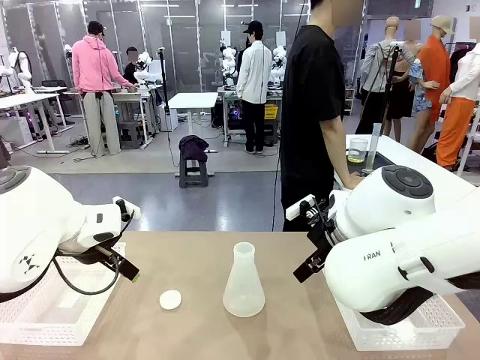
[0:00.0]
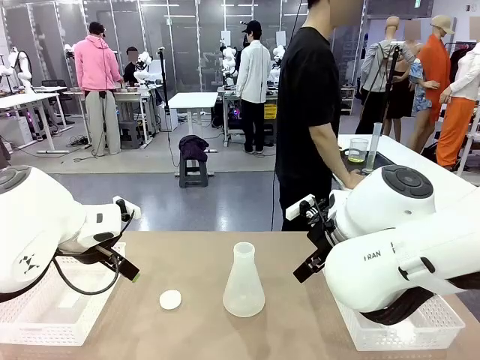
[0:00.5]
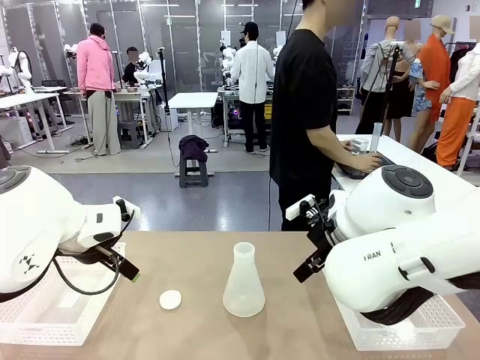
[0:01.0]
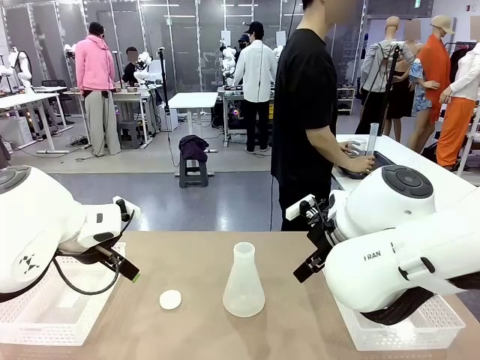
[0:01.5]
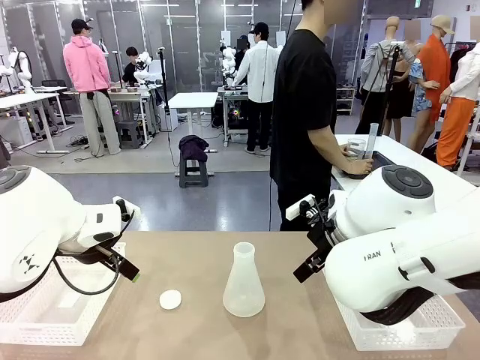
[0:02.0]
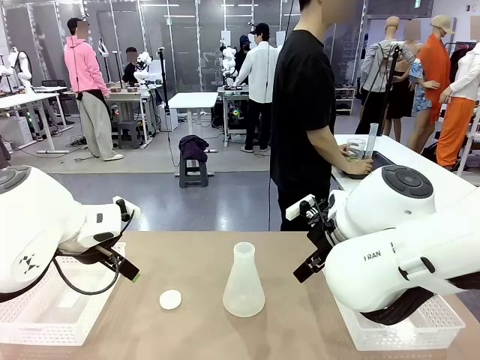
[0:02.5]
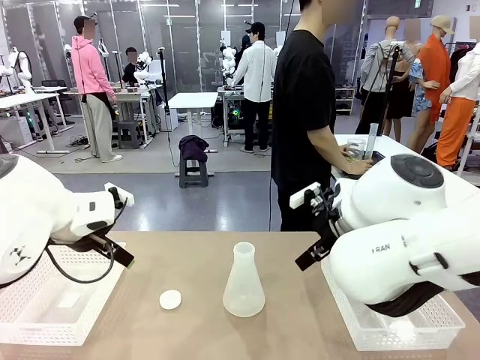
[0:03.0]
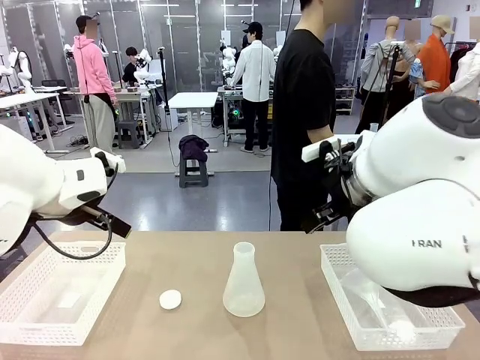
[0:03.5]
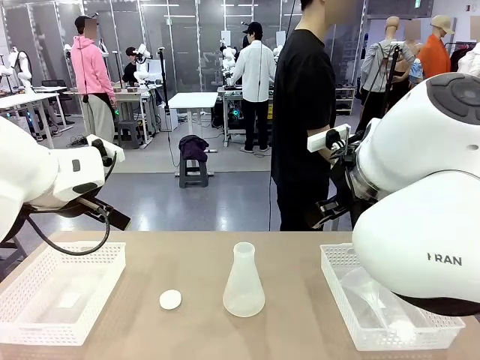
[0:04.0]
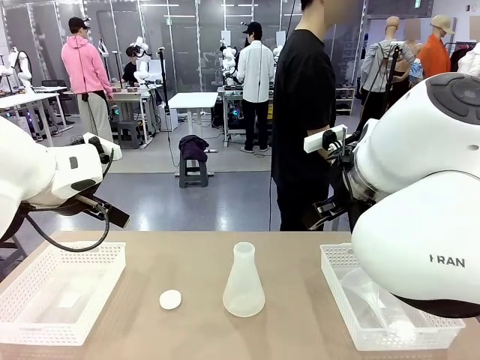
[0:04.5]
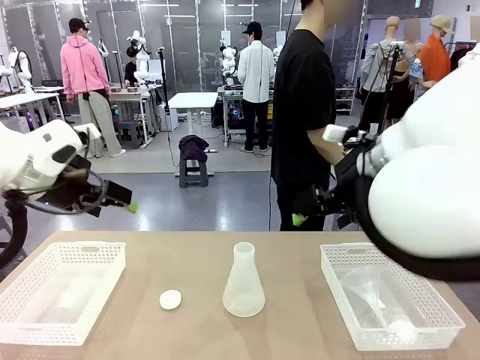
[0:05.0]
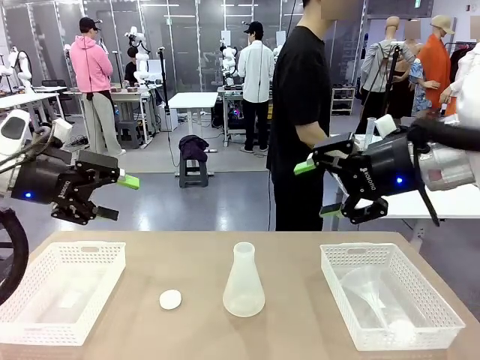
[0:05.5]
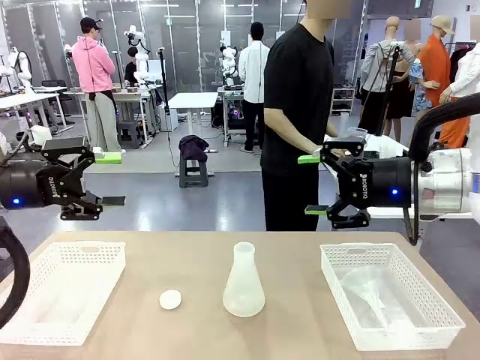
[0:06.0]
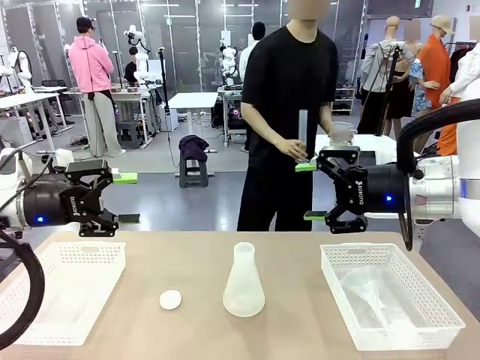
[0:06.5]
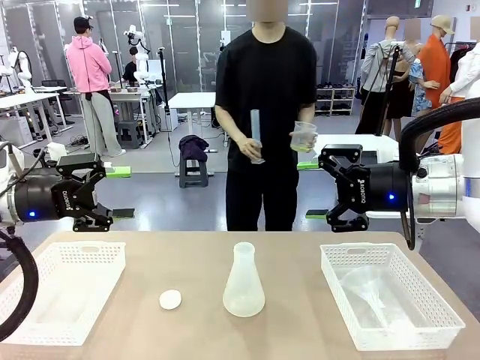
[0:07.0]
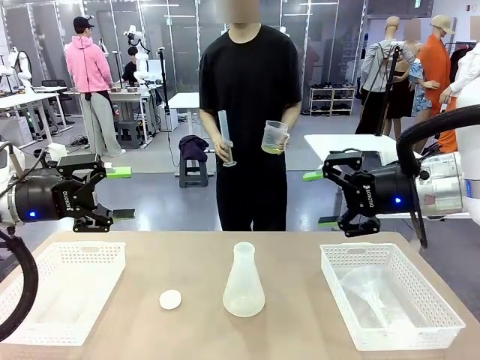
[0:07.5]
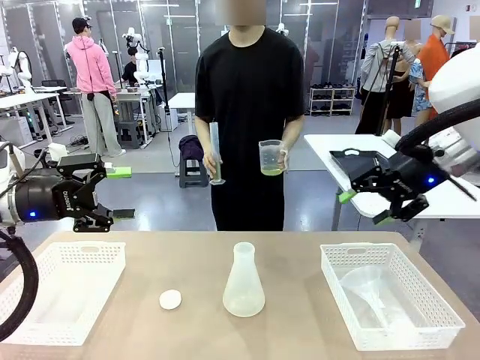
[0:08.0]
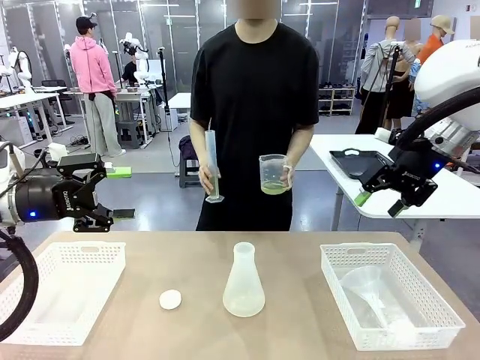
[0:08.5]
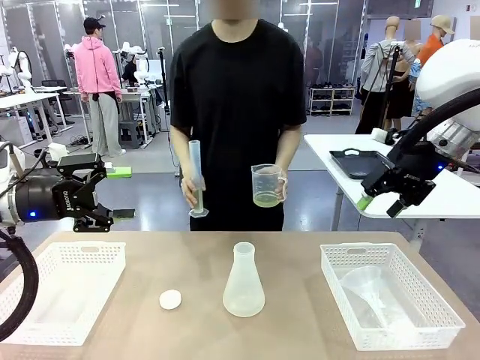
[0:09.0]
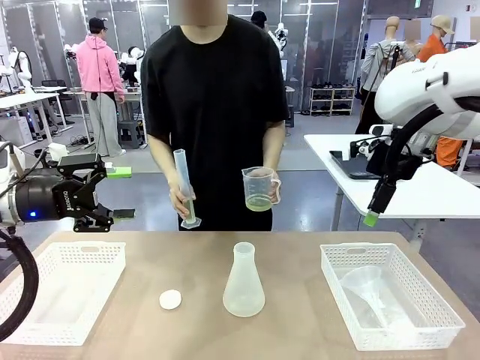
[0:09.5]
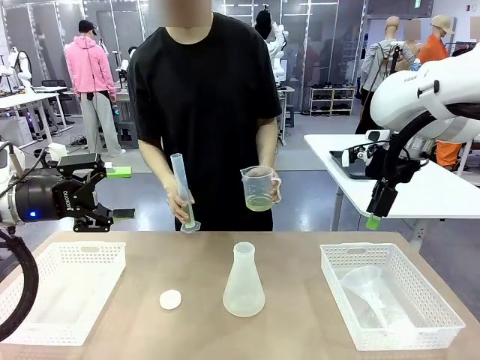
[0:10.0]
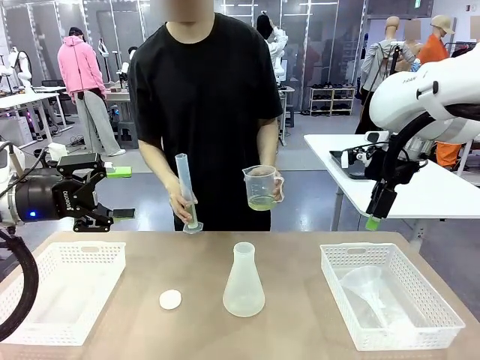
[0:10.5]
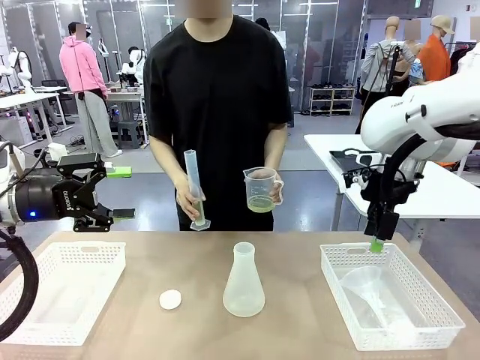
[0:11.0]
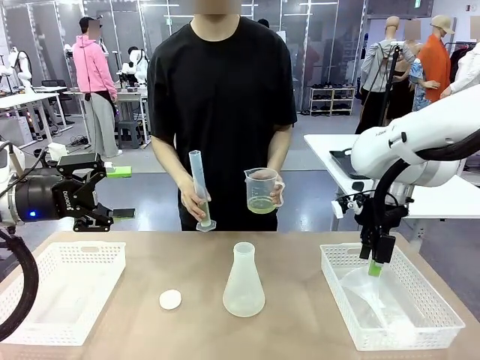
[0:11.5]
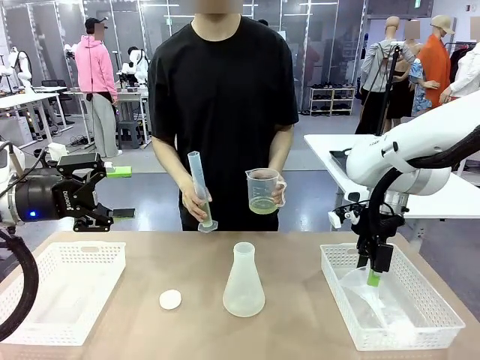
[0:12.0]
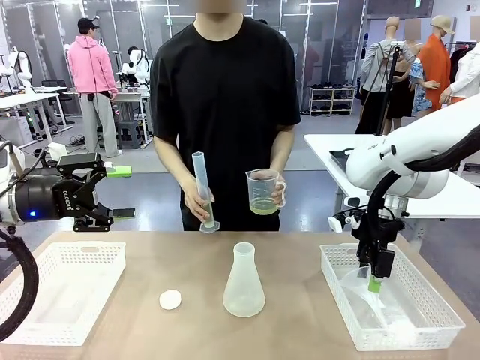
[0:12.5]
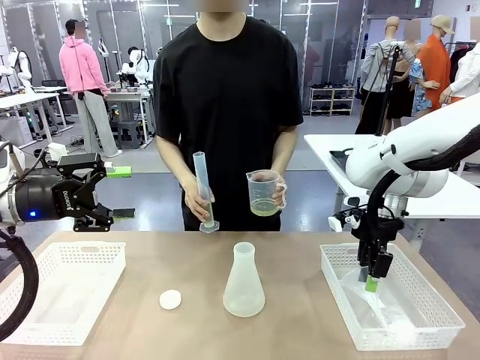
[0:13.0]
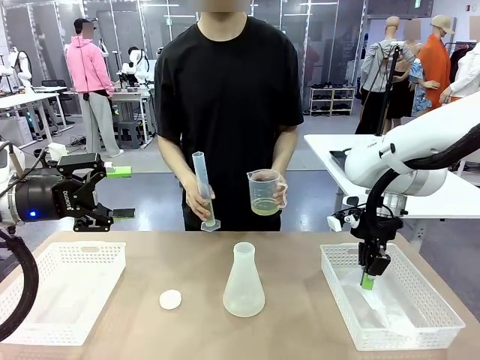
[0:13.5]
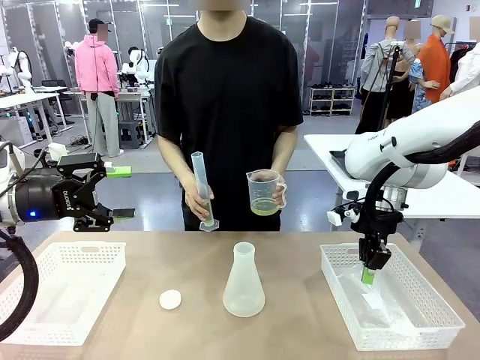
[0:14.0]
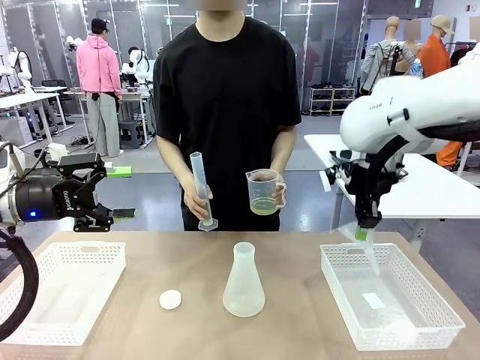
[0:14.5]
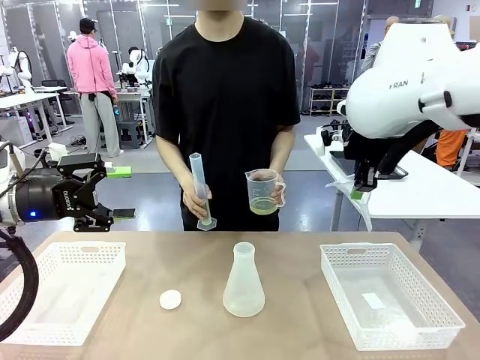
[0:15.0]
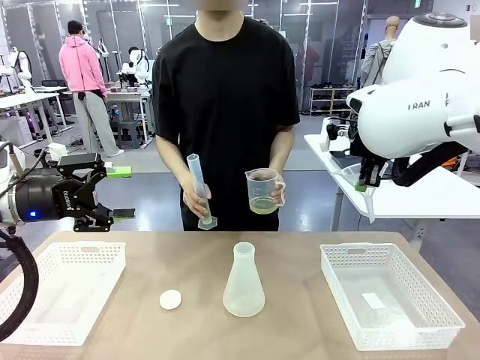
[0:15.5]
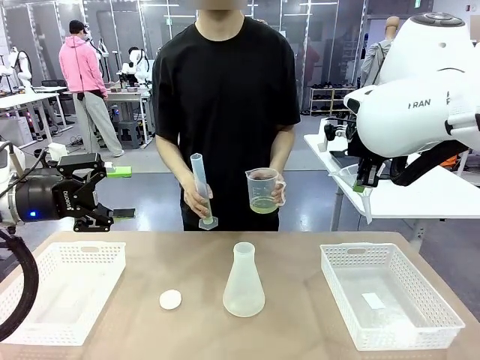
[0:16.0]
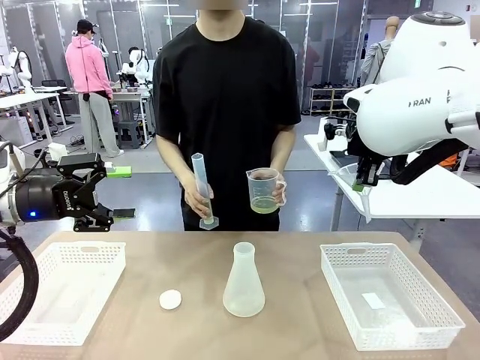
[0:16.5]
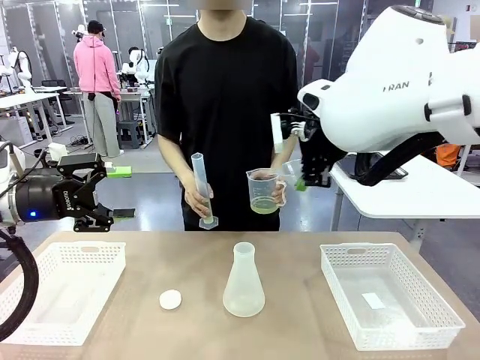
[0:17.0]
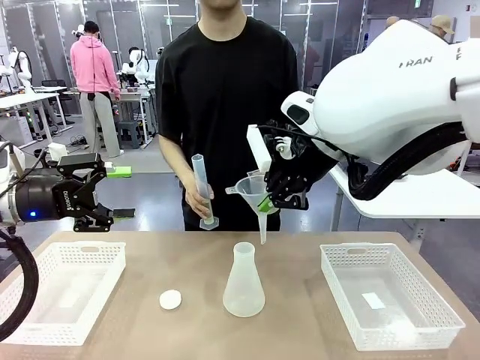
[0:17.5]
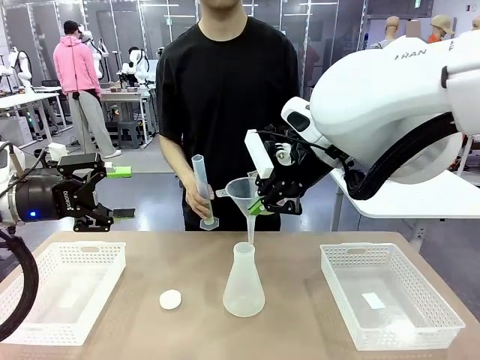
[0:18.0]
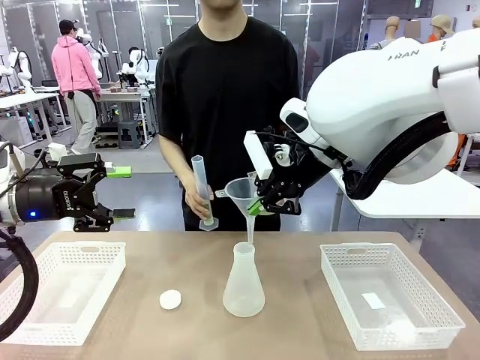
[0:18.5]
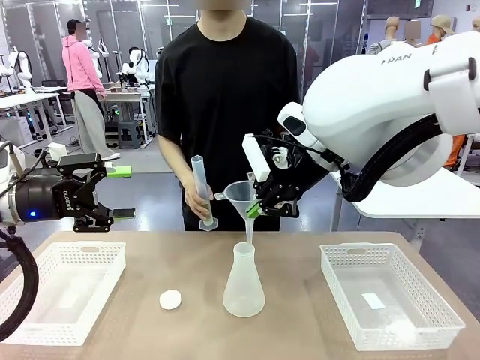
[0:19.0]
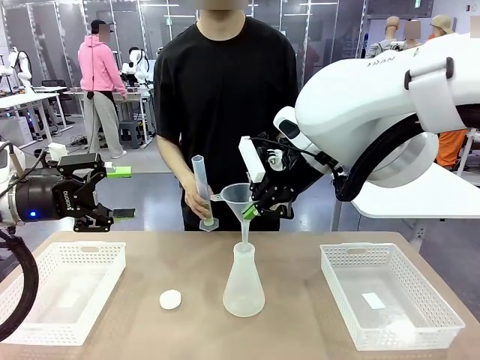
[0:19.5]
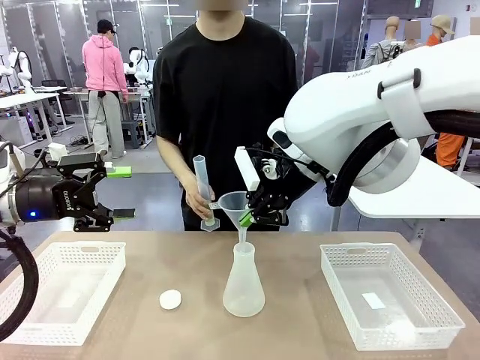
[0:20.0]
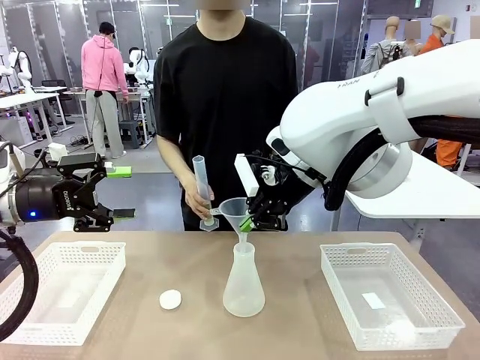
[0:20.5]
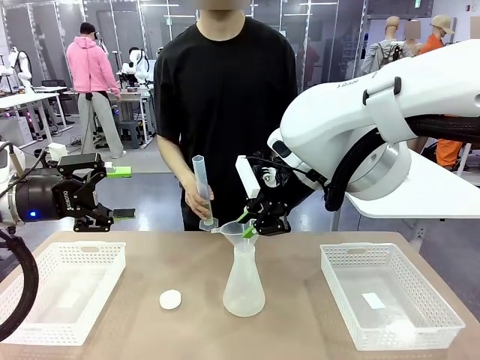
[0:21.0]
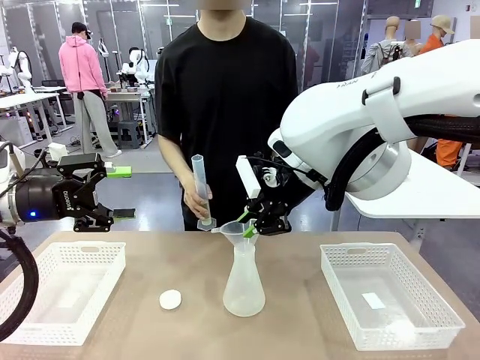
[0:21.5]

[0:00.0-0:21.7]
Task: Prepare the solutions needed for the experiment.
Robot: Pick up the Plastic Funnel and insert it into the Big flask.
Person: Pick up the beaker and the cylinder and move to the middle of the robot table. Pour the solution from the beaker and the cylinder into the flask.
